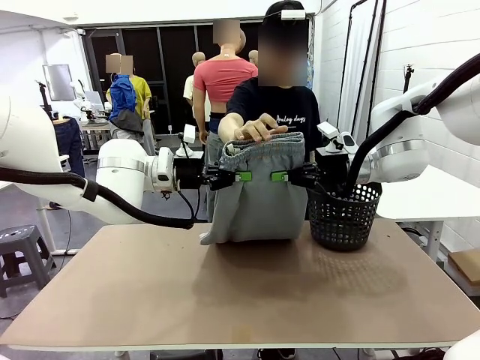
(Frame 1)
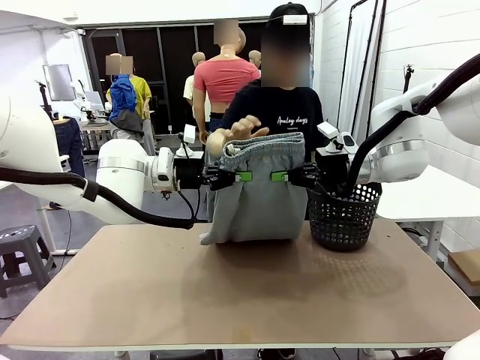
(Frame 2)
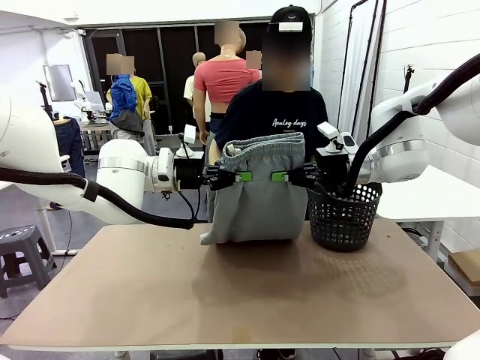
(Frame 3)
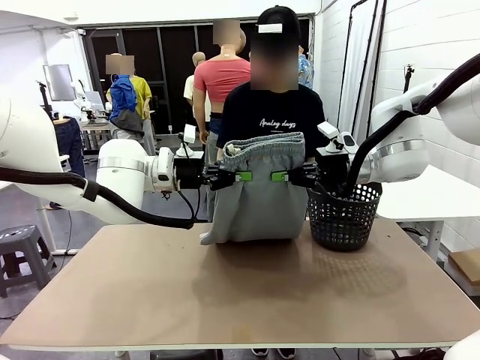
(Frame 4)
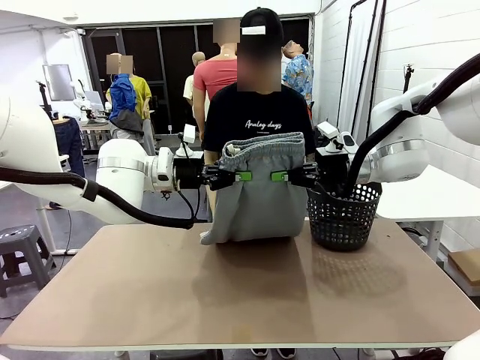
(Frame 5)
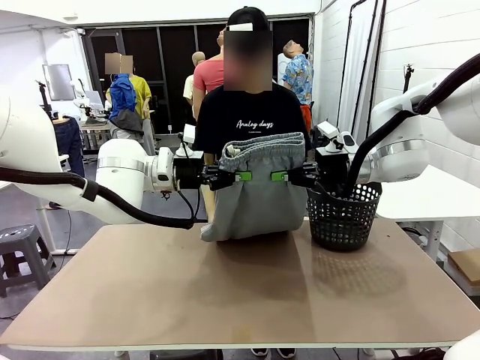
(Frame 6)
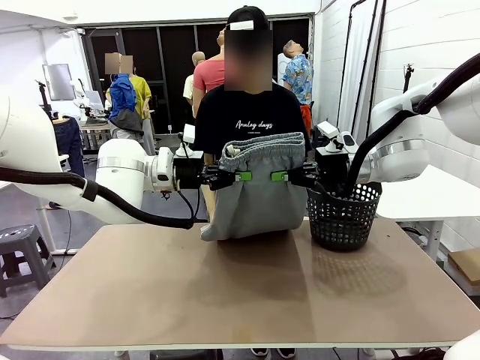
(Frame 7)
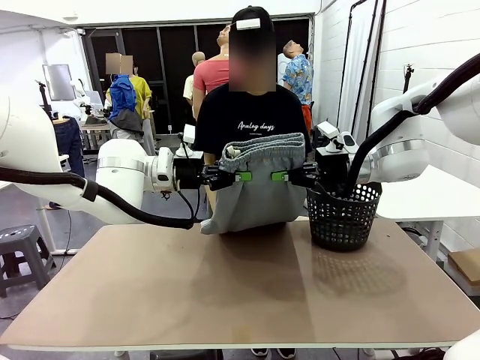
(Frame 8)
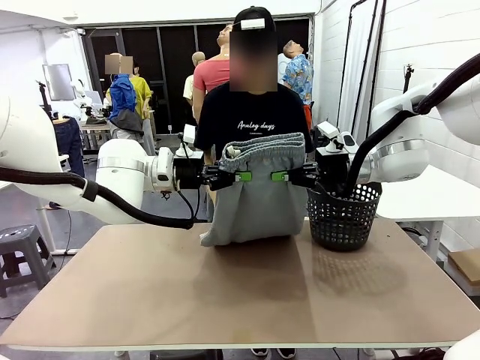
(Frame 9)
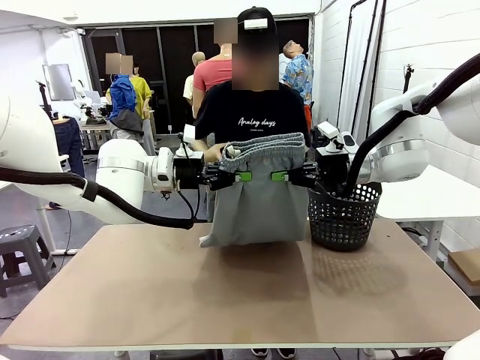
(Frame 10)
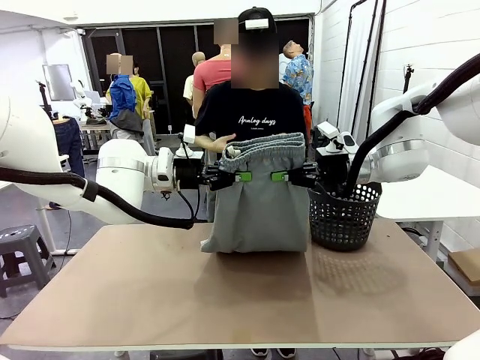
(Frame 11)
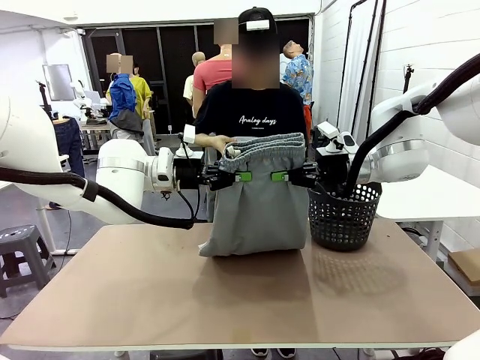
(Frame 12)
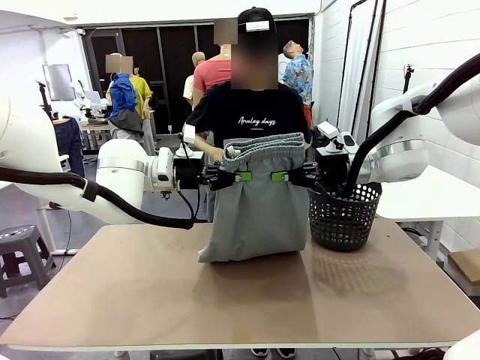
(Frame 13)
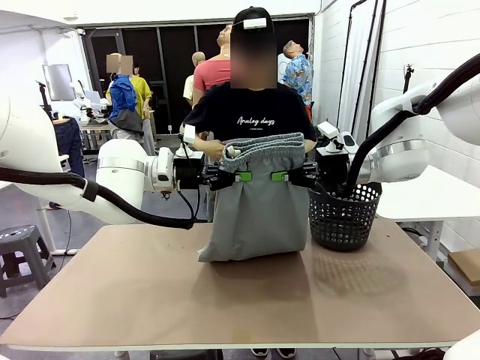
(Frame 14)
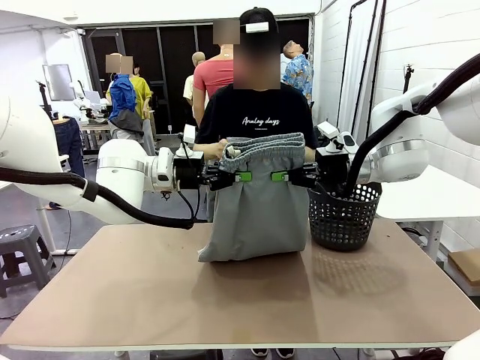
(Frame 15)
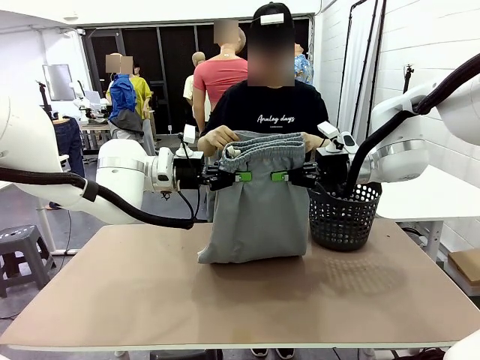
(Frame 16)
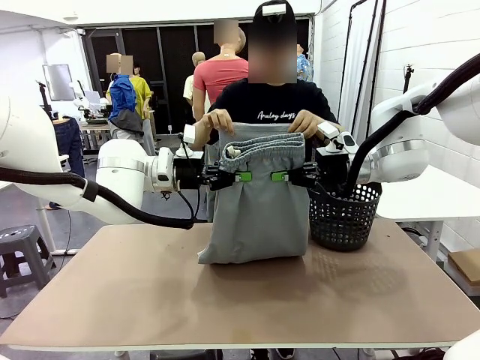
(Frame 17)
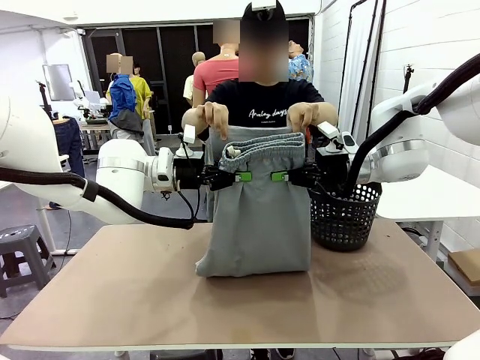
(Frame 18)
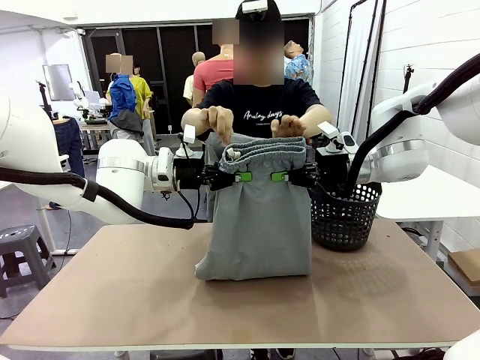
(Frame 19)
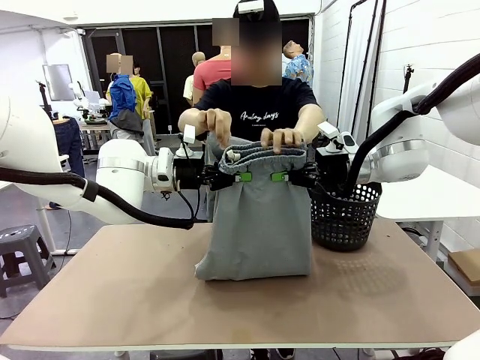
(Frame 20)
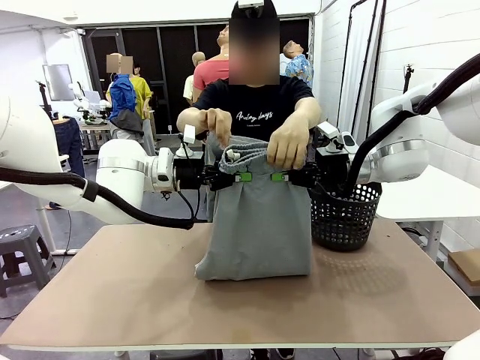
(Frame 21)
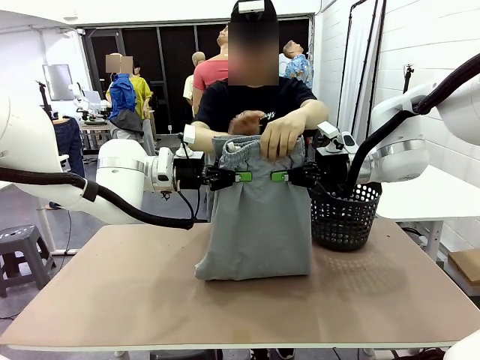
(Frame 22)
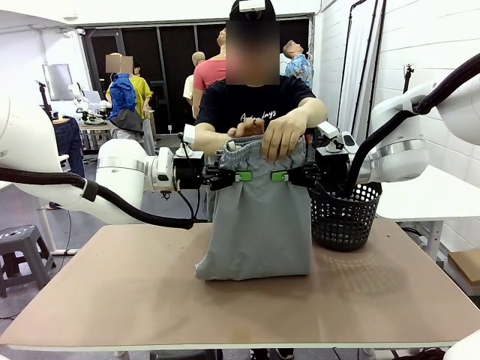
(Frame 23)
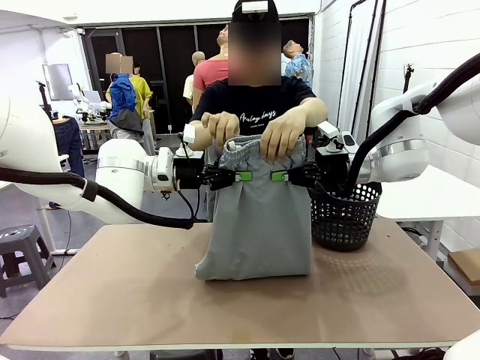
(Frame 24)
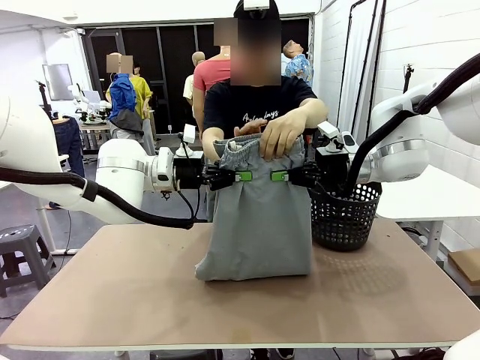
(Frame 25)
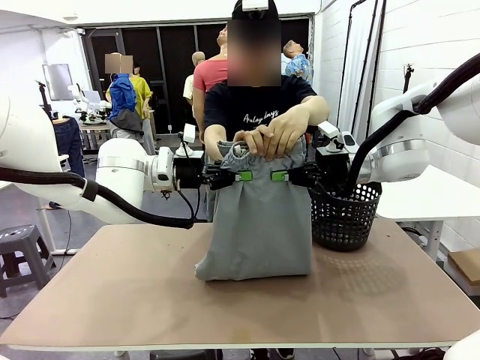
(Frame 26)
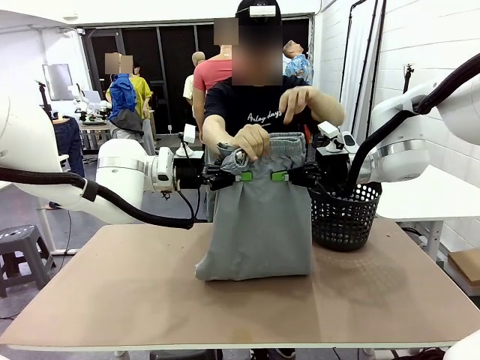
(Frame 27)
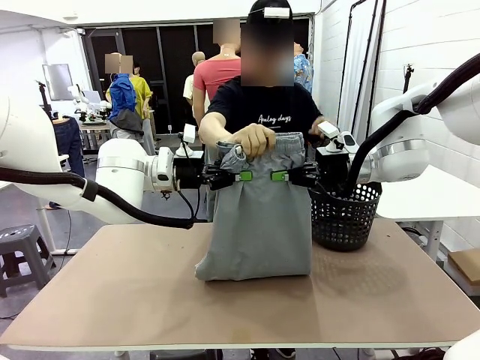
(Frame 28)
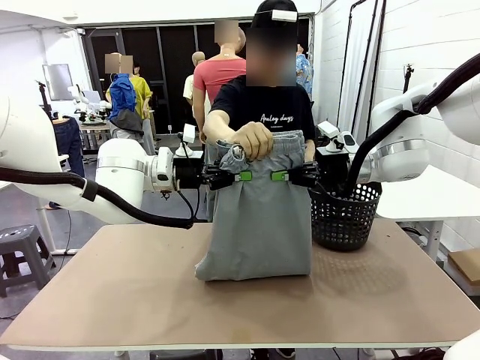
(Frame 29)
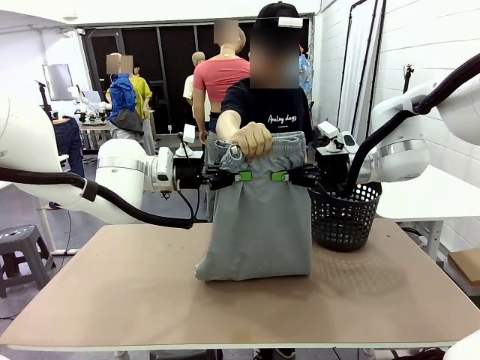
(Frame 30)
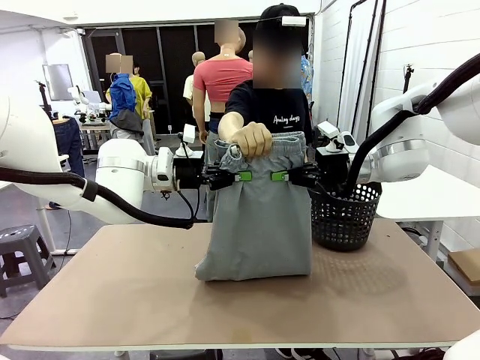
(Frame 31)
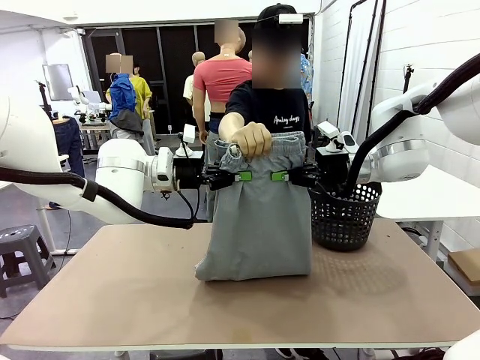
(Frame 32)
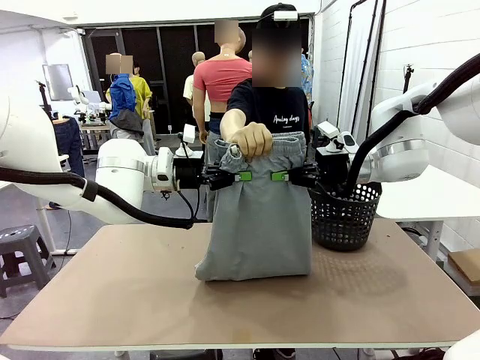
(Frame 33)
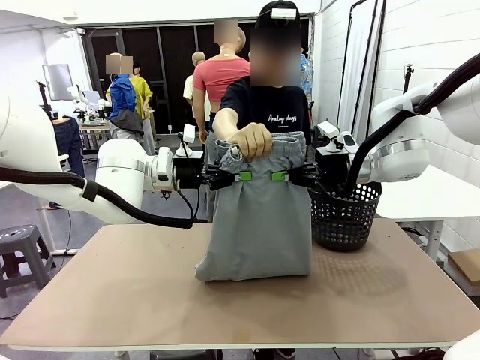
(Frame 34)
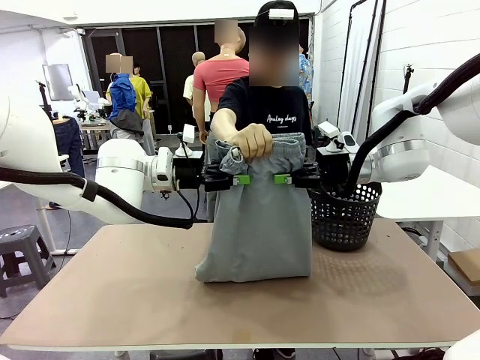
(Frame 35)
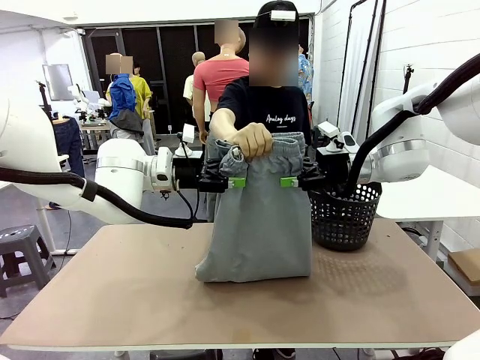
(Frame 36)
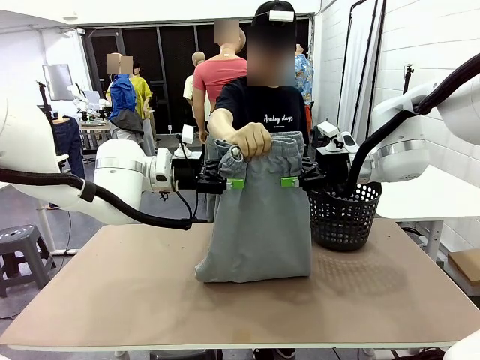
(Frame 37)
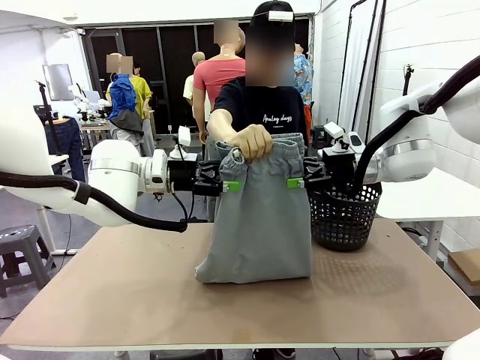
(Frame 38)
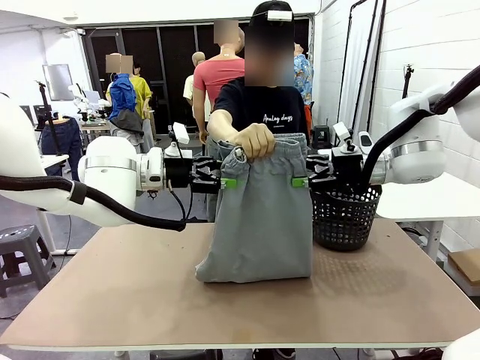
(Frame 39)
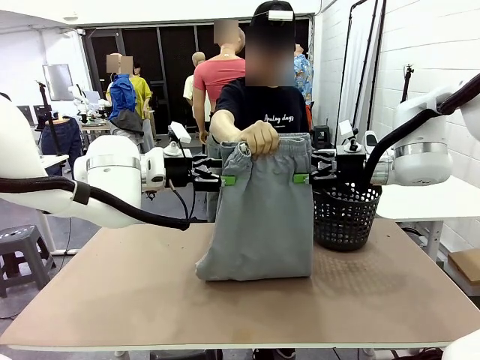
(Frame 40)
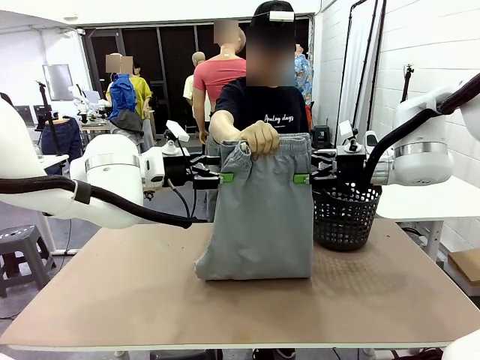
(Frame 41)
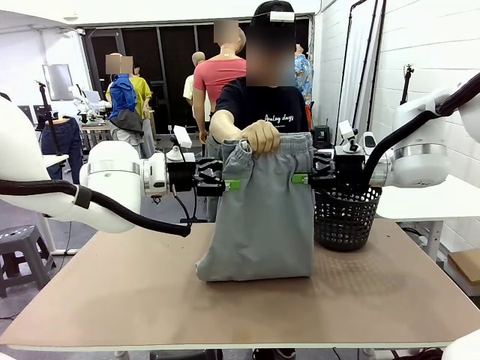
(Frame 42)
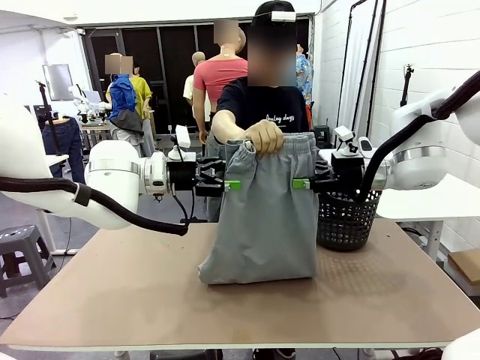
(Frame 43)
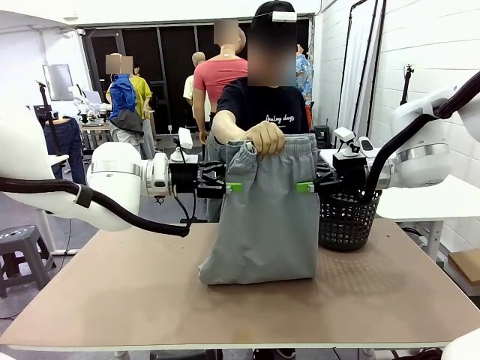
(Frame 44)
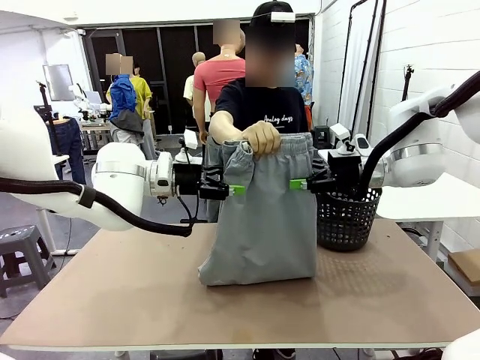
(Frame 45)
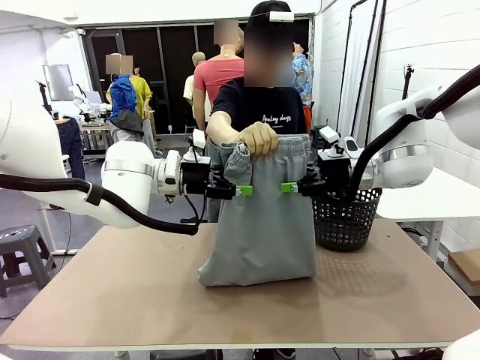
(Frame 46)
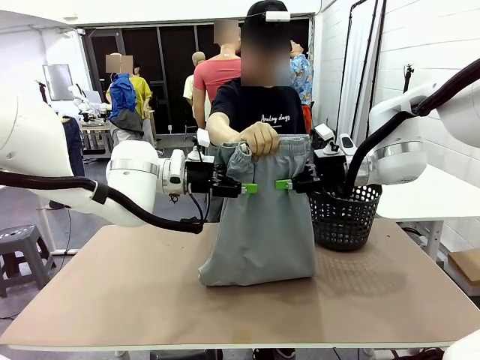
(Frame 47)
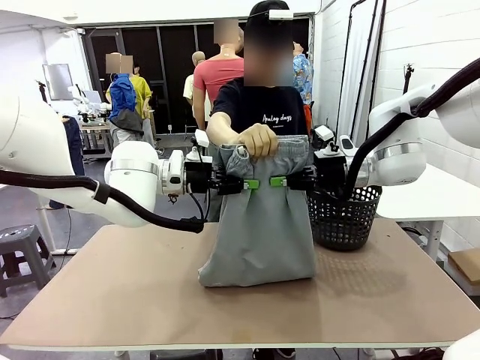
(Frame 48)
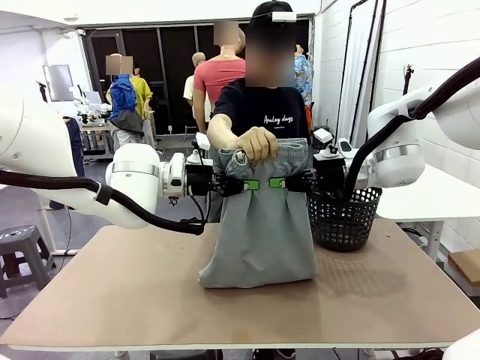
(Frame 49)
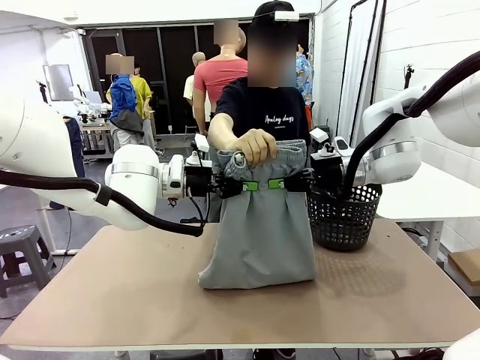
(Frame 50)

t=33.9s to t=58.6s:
Task: Fold the training pants.
Robot: Release the ends of the Training pants and then grab the overlapped ends.
Person: Grasp the end opposite the point the robot is holding, fold the pants in half, and then grasp the overlapping top end of the folded pants. Release the pants you were holding.
